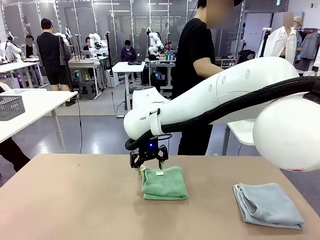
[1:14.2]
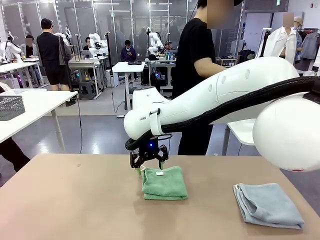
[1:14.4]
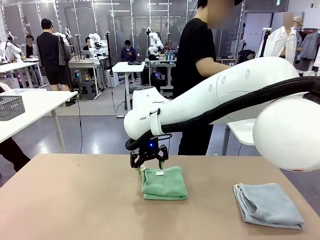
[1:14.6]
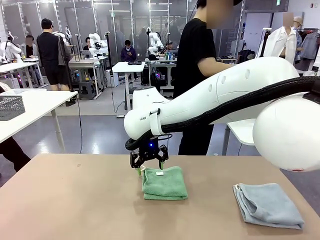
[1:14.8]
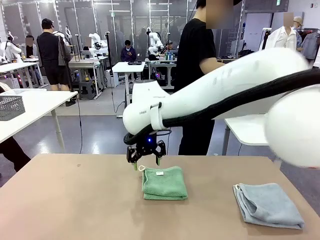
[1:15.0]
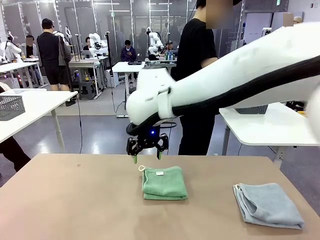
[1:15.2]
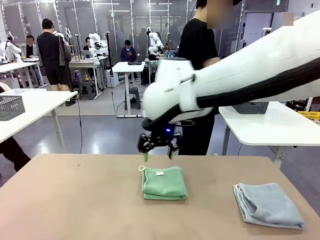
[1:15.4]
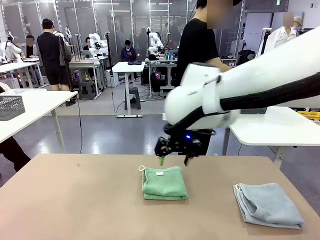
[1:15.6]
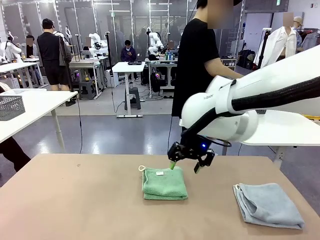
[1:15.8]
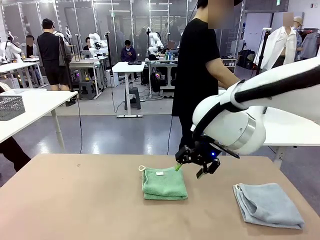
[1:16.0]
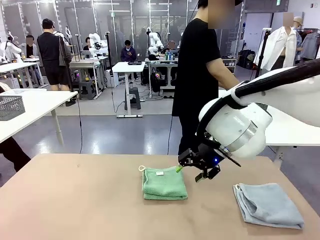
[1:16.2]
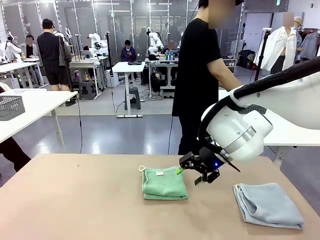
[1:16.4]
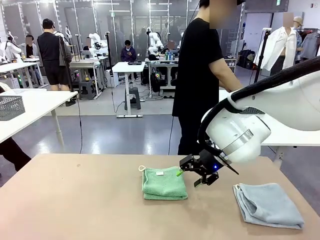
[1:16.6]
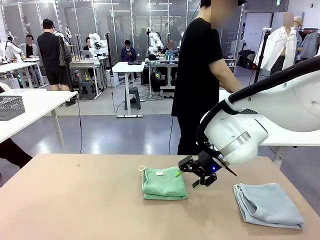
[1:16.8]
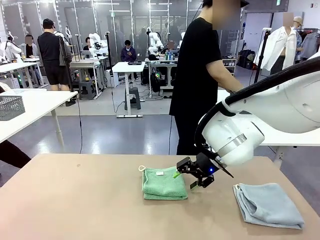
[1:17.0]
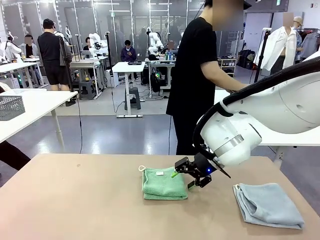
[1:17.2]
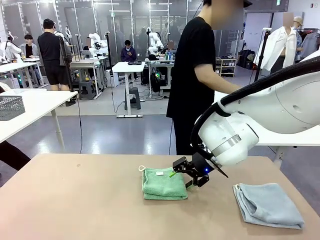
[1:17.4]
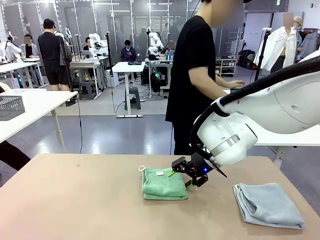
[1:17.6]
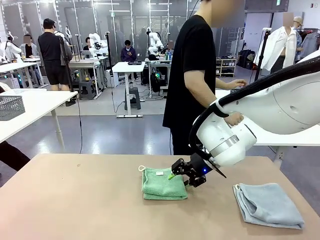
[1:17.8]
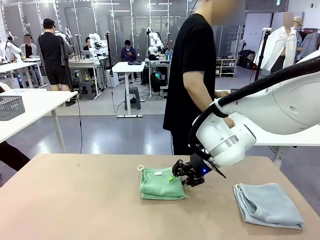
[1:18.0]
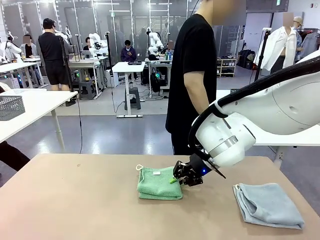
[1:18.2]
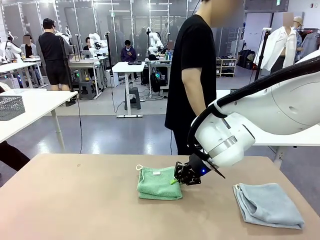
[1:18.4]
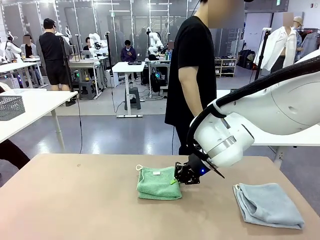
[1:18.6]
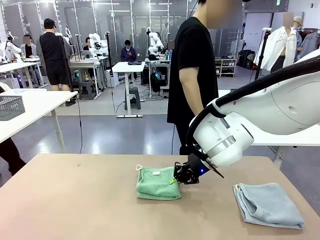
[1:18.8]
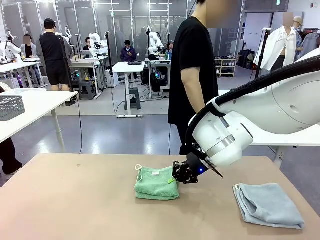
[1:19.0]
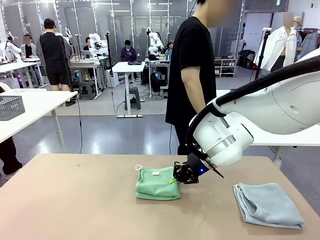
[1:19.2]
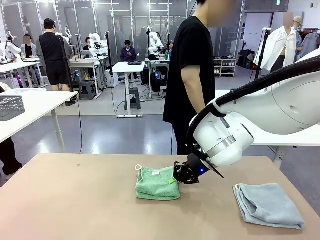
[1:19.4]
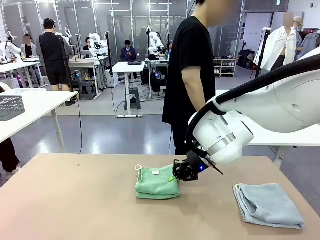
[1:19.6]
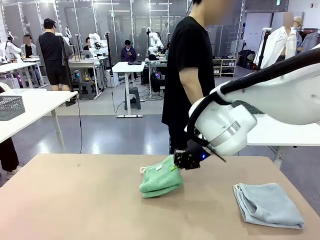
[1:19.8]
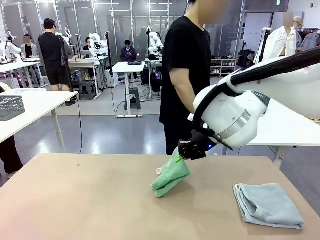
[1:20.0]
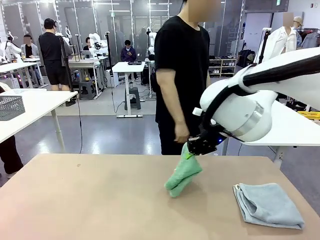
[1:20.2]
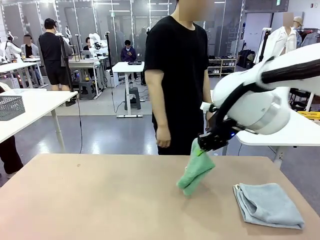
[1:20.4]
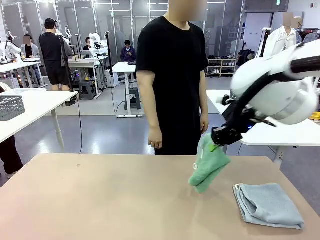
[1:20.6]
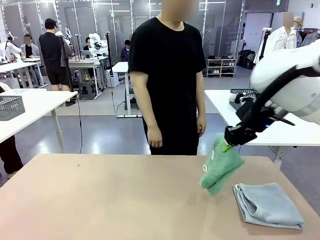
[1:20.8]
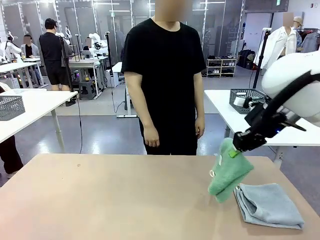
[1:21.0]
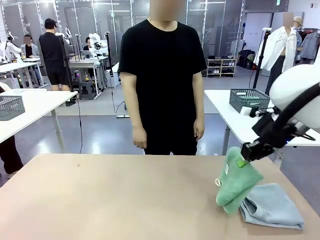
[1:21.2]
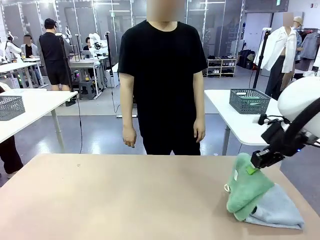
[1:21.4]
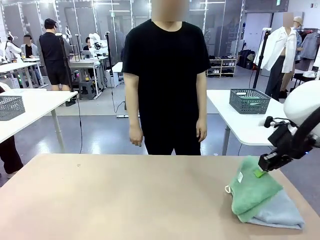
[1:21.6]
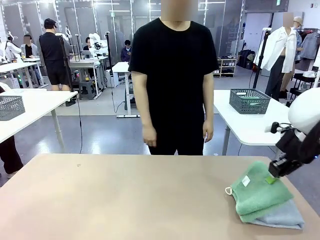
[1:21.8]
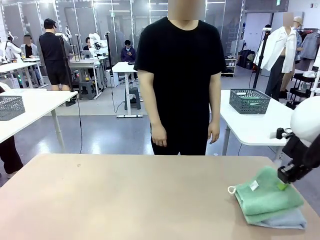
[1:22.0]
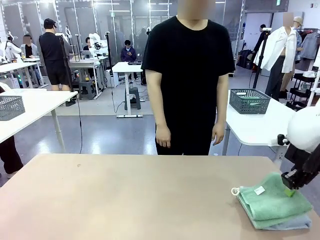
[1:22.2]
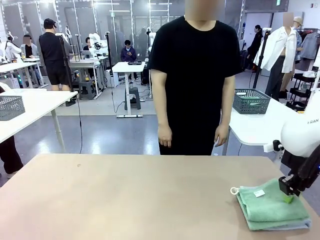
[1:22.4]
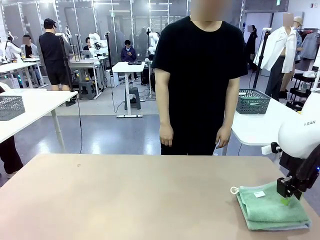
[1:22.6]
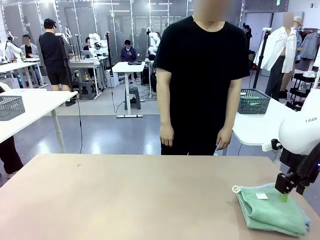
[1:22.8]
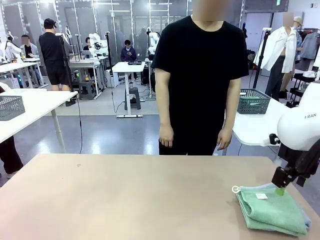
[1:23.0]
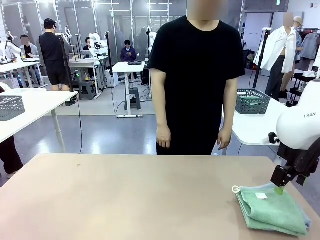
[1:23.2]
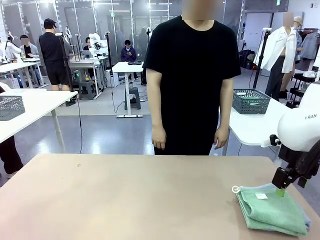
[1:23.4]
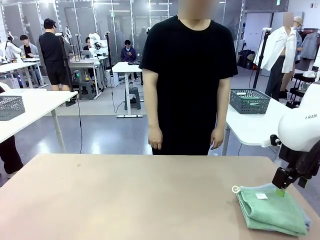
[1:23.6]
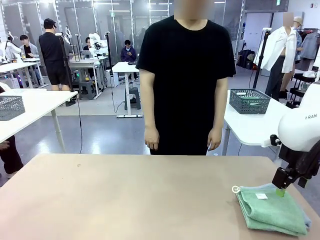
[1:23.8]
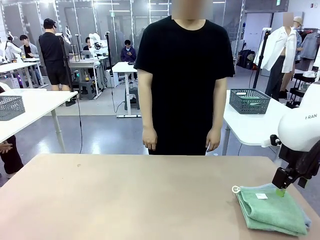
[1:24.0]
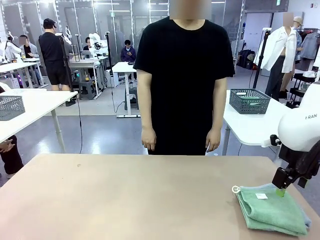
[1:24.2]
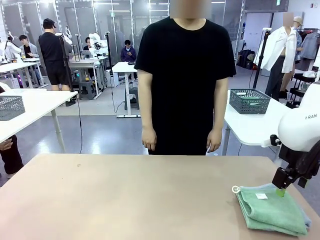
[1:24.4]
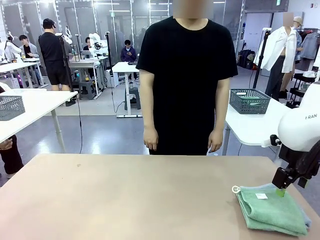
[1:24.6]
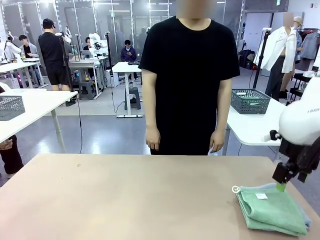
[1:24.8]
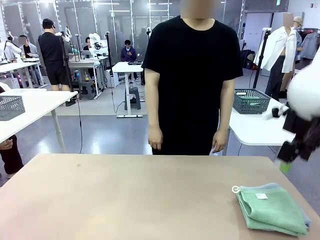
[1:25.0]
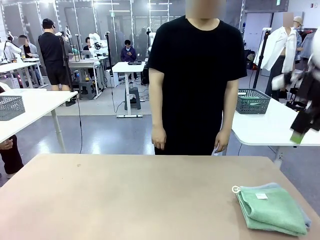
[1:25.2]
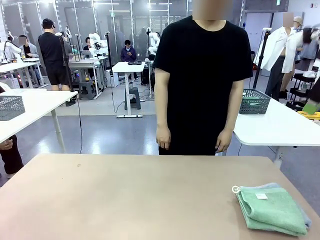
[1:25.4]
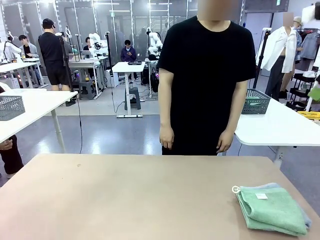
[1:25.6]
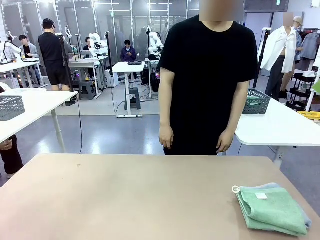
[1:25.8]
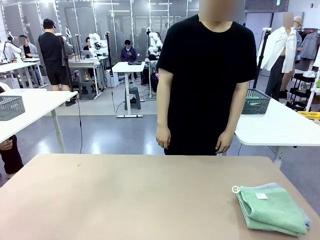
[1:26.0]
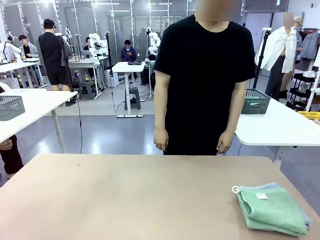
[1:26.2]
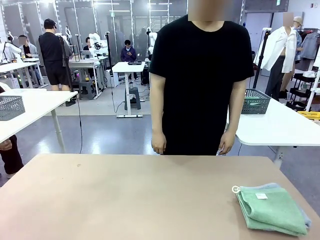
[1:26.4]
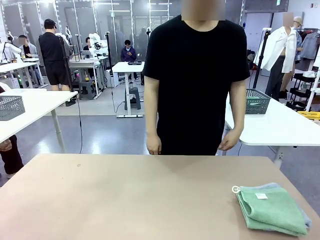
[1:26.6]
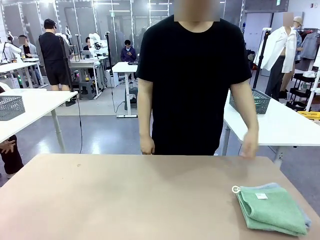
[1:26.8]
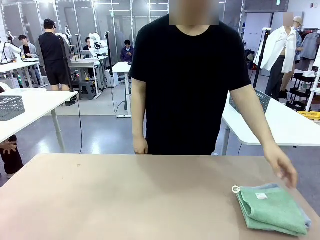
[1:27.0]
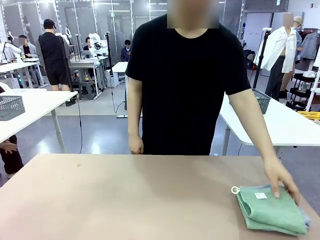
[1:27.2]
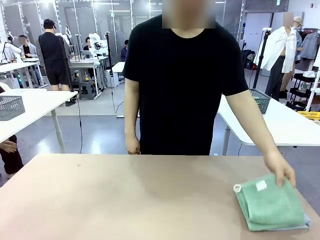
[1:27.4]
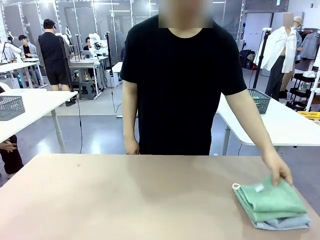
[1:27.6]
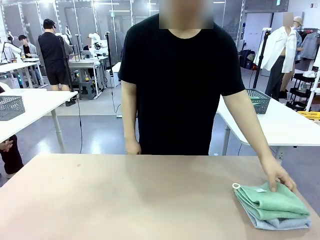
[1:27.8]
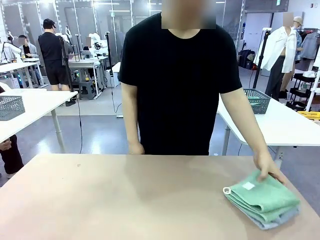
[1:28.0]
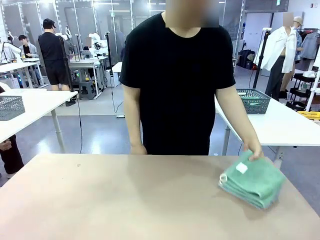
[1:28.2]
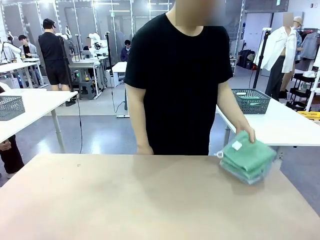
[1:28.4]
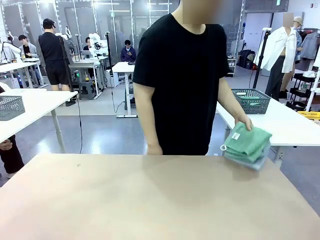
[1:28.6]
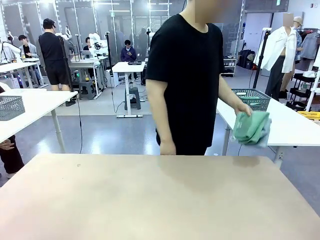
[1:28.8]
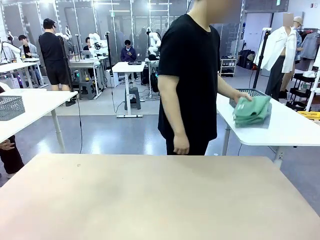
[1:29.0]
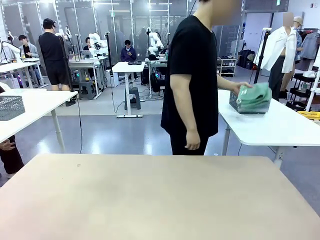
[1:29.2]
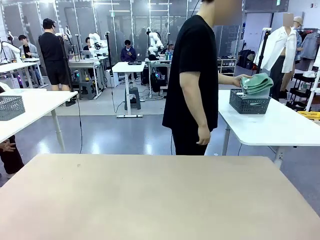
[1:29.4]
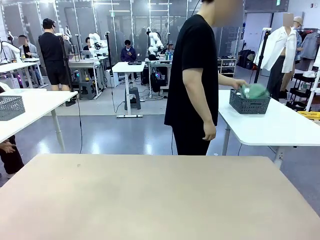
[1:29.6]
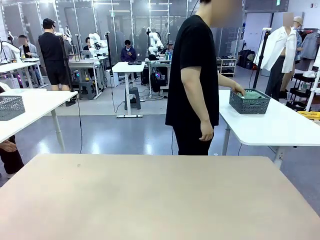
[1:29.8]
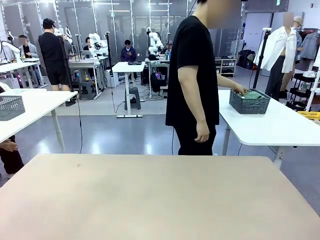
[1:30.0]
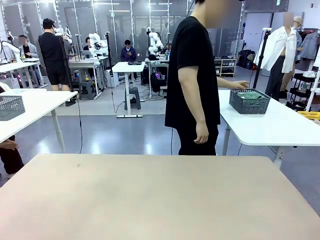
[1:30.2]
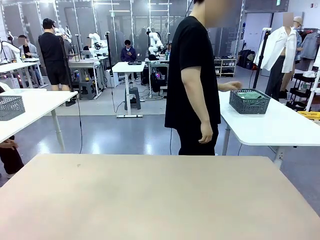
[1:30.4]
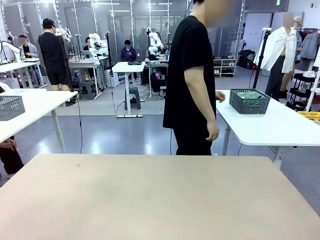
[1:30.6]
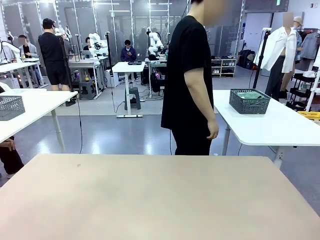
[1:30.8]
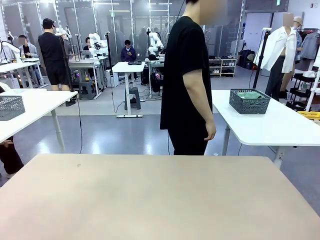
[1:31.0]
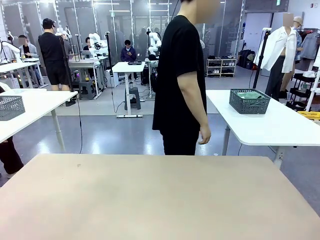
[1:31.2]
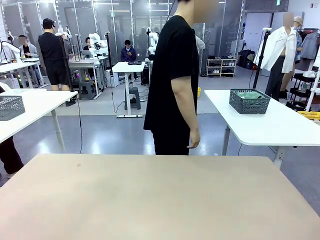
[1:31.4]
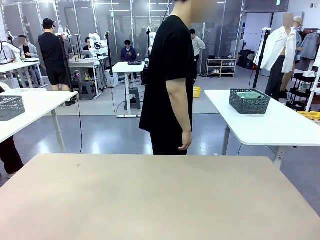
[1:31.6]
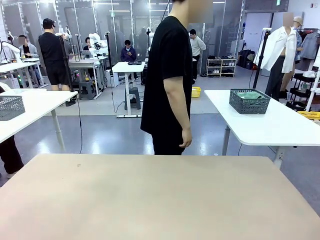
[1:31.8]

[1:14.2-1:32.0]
Task: Fold the towels and place them in the basket.
Robot: Stack the folded Towel with hook on the right side of the table.
Person: Pick up the stack of towels from the right side of the human table, place it into the basket, and put the basket at the center of the table. Pick up the stack of towels from the robot table and place it into the basket.
